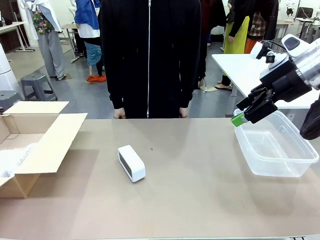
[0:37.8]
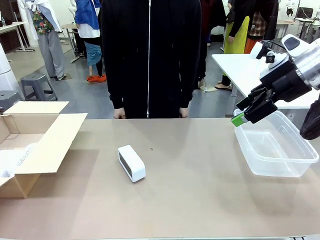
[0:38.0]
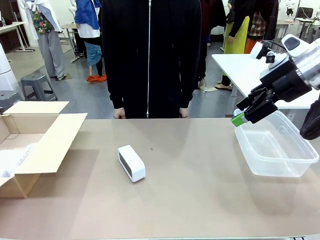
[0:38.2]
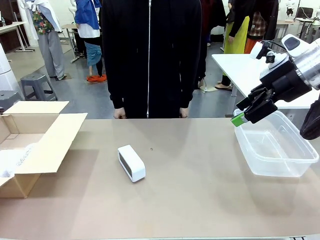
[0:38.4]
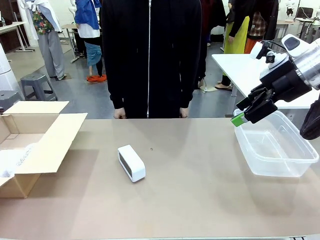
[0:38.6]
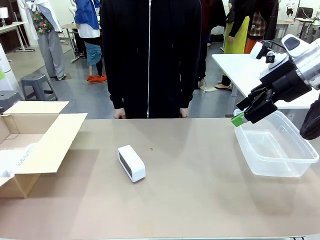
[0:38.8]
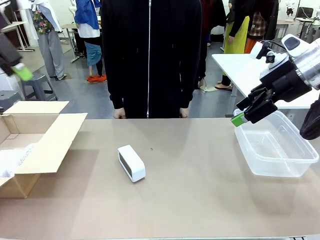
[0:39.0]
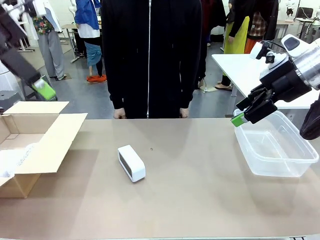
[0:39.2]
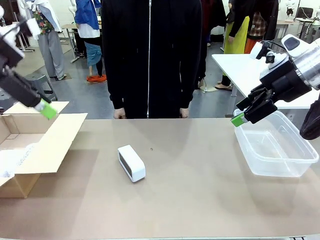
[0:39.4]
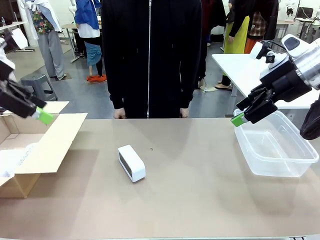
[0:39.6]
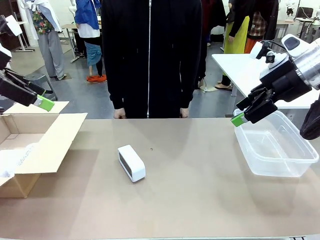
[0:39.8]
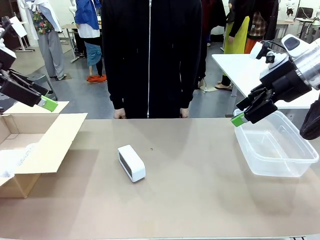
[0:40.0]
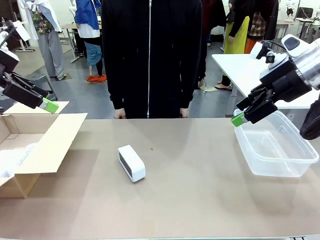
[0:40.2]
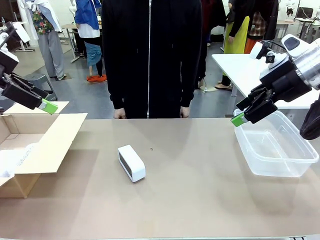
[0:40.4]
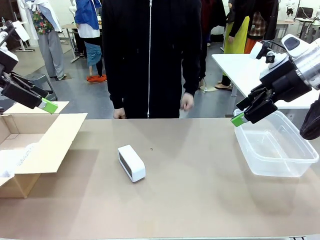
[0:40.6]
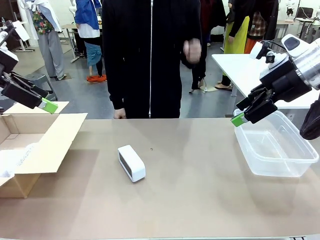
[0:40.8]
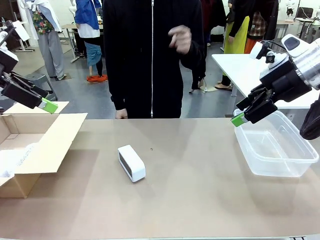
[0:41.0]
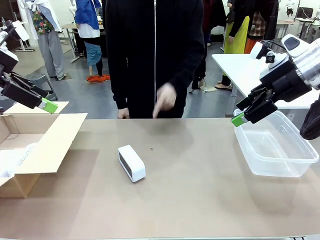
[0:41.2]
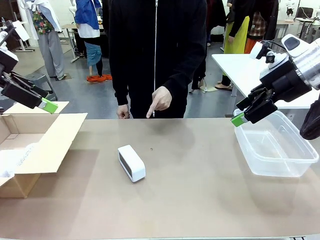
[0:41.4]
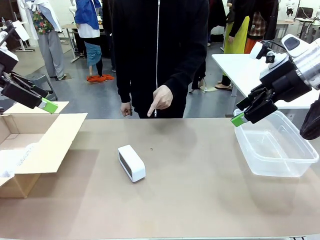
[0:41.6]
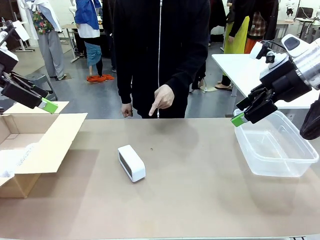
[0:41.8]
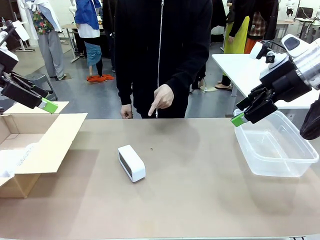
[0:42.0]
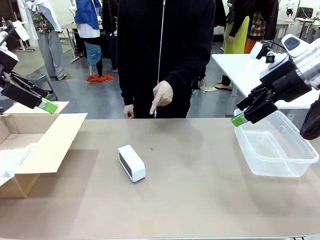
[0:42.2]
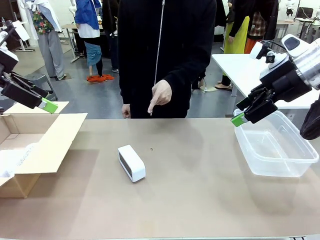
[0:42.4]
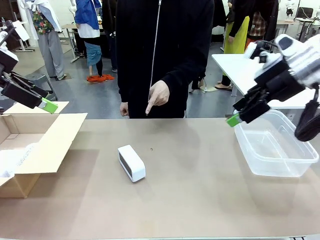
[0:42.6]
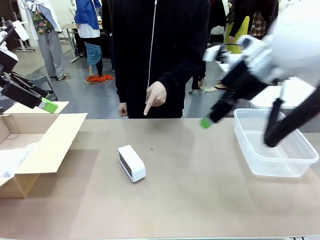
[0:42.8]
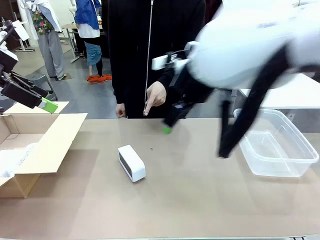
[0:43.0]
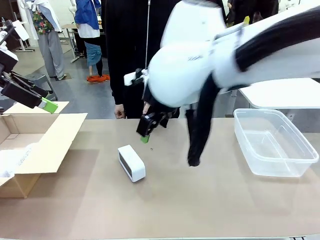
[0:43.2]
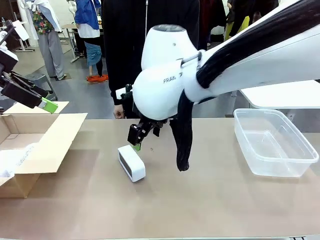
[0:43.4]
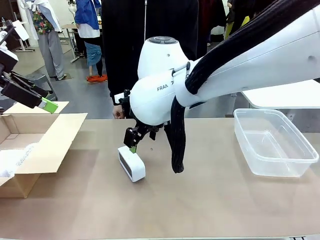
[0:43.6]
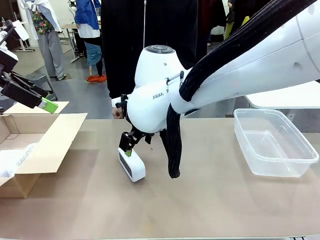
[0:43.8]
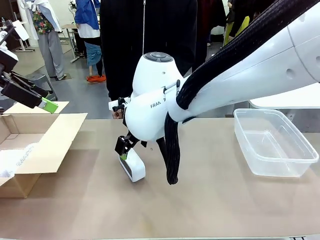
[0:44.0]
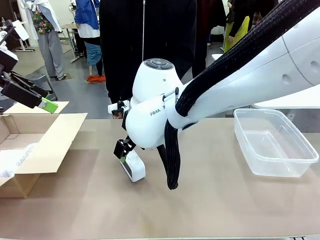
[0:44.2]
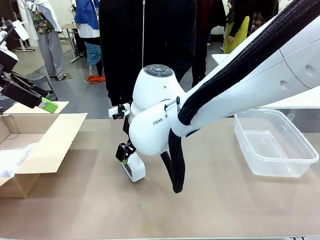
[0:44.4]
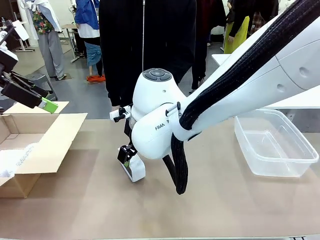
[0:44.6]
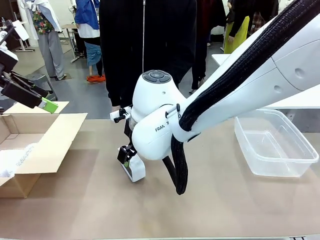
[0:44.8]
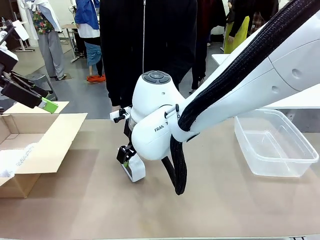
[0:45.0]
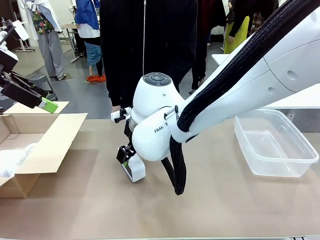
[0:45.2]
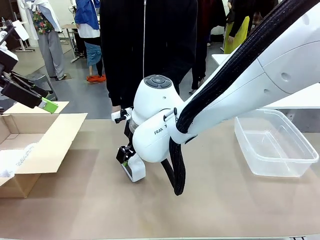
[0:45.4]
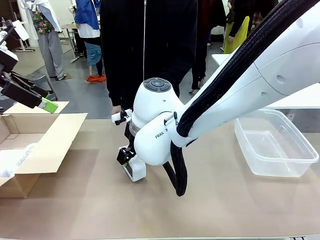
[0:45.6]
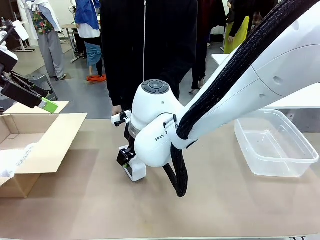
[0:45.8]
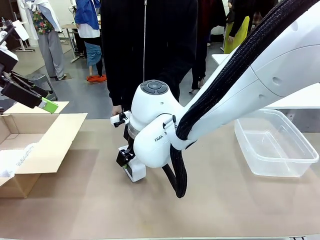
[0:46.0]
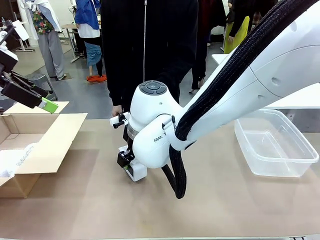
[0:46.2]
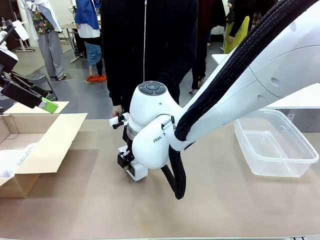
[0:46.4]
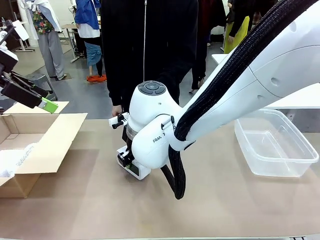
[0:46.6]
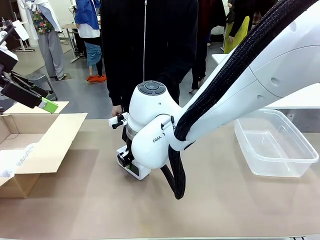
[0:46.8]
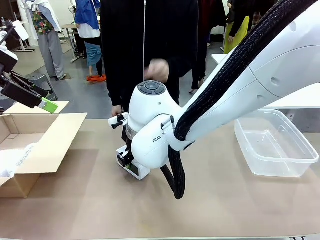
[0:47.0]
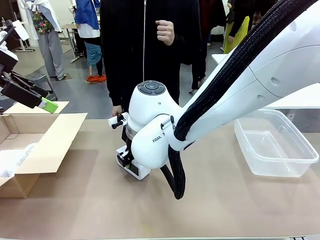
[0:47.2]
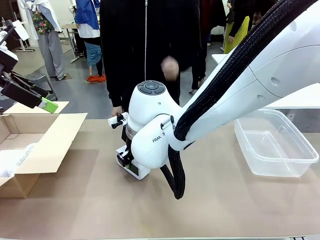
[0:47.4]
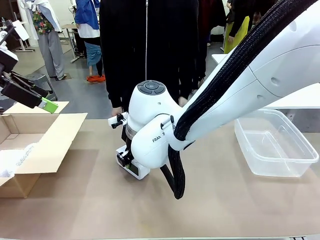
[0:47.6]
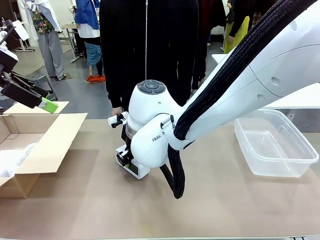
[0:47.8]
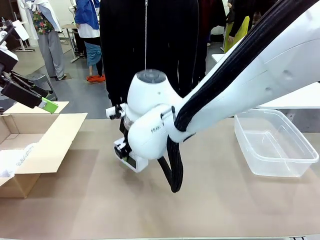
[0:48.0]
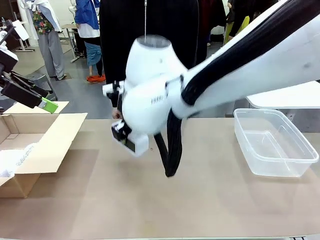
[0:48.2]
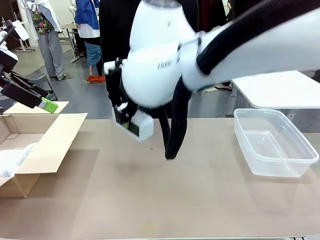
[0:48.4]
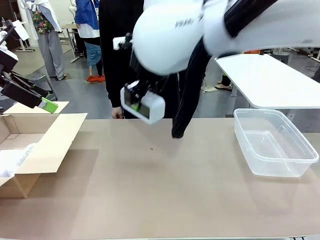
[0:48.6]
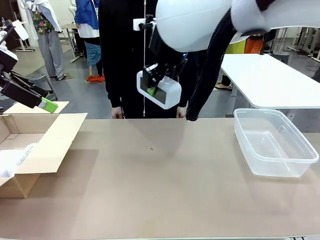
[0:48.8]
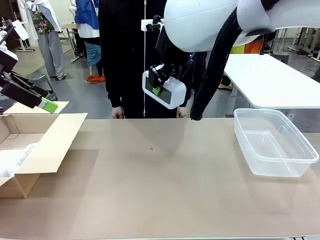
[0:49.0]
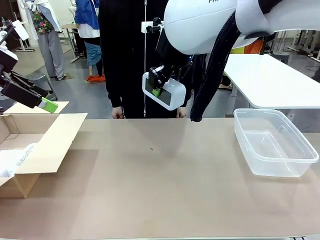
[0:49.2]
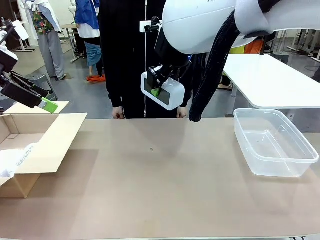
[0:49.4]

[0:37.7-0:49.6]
Task: Separate and place wrapped and unwrapped clocks.
Robot: Pick up the Digital clock indicated by the person.

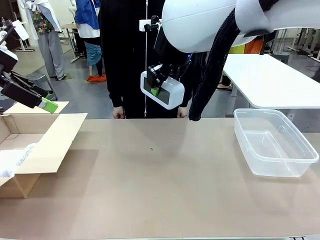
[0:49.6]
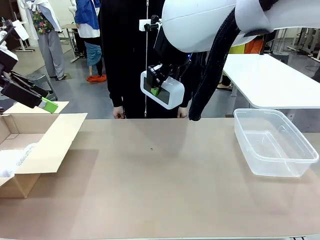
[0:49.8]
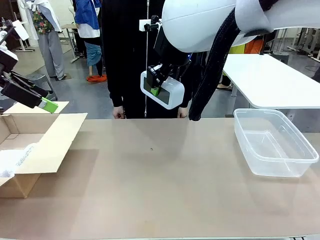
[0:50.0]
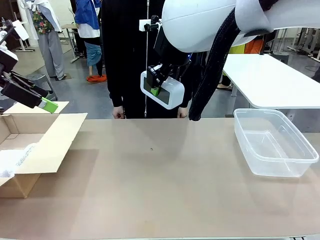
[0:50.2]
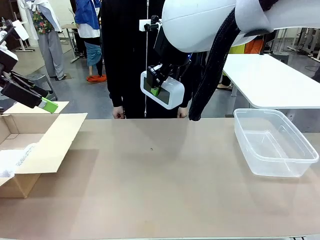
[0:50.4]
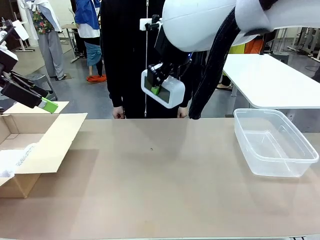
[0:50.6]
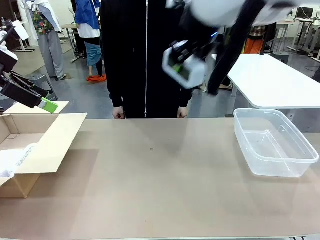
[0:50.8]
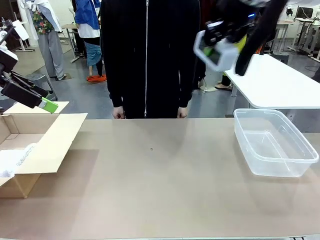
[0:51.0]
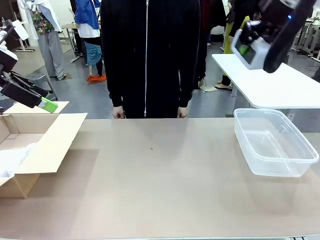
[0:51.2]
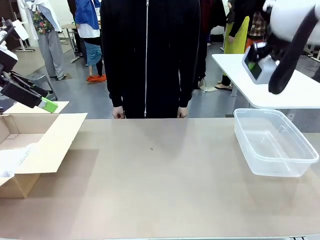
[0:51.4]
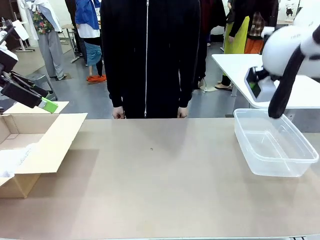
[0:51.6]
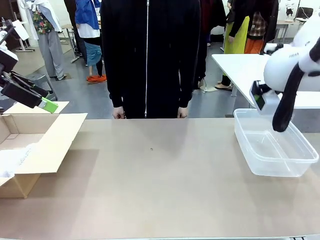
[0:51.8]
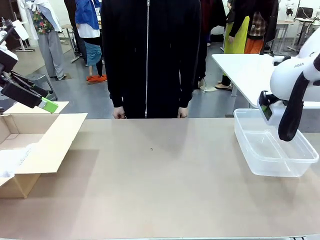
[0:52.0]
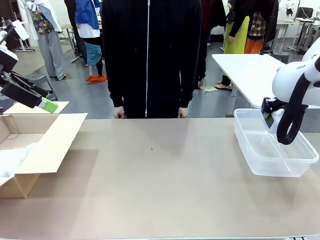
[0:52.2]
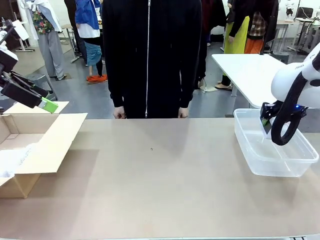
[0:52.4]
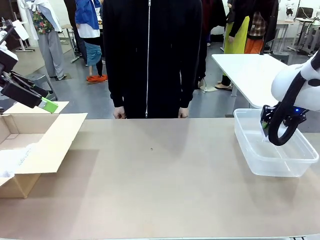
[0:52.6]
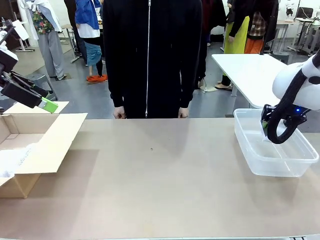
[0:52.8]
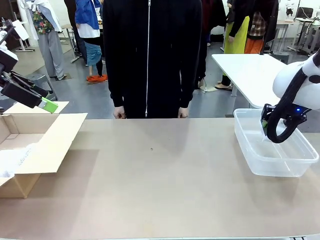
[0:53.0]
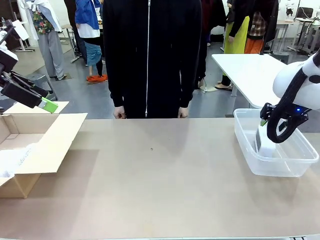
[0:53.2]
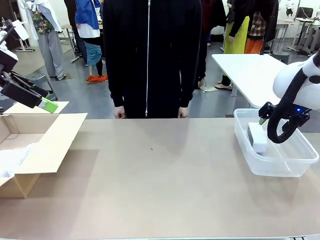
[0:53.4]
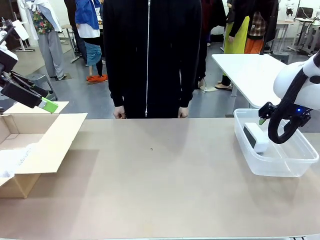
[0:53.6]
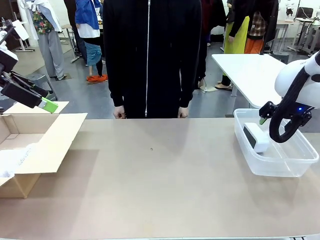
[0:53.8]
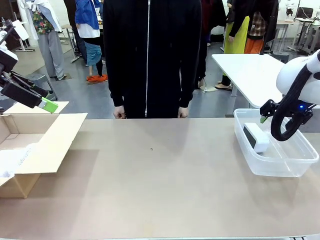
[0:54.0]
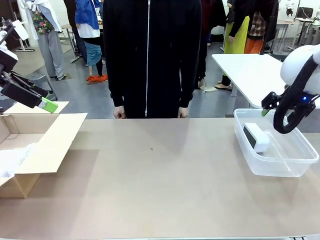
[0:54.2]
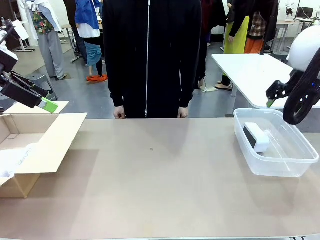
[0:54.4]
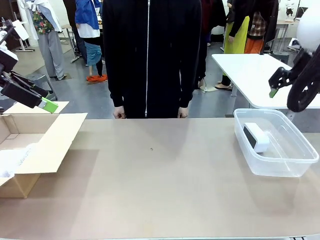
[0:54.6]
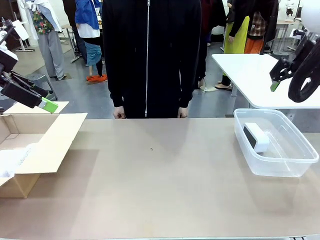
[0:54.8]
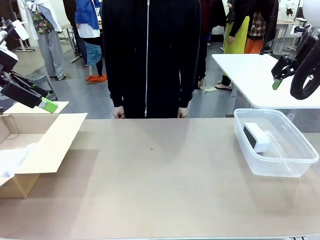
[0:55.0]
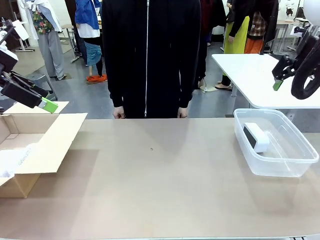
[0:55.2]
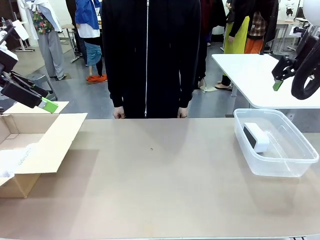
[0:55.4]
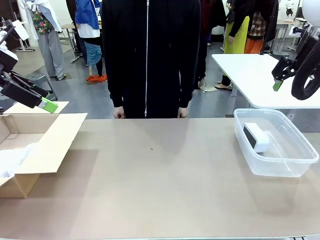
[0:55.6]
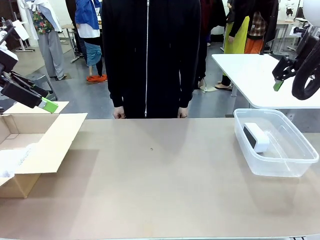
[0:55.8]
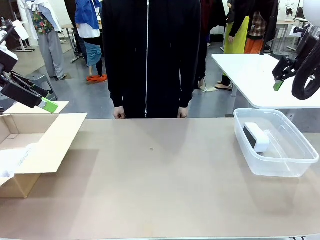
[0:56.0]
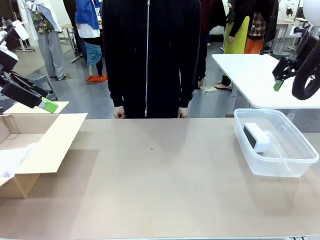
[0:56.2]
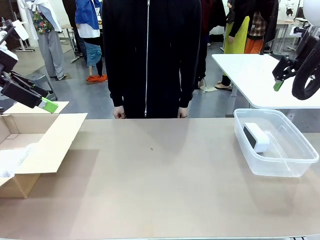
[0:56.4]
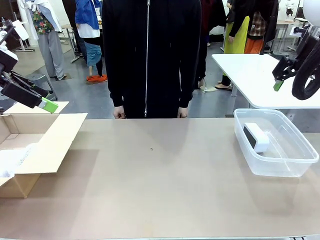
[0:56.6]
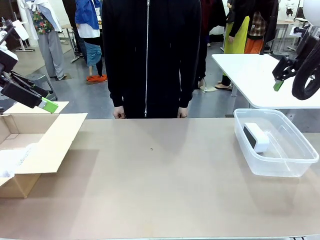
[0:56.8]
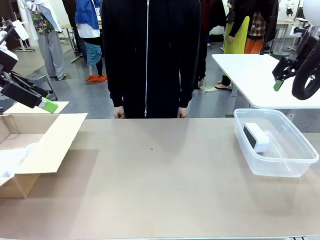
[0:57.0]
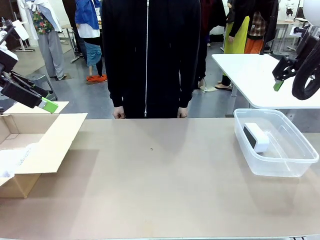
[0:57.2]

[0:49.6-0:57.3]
Robot: If the picked Digital clock is wrapped, place it in the Package Box ; if not, place it in the Organizing box.
